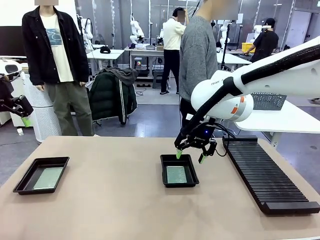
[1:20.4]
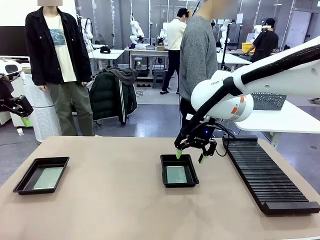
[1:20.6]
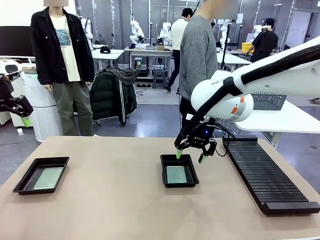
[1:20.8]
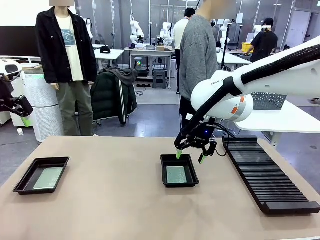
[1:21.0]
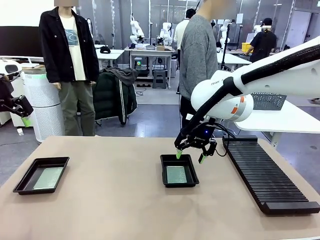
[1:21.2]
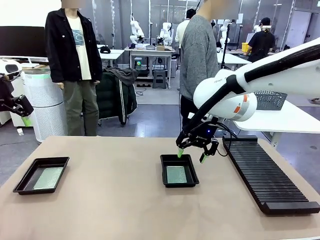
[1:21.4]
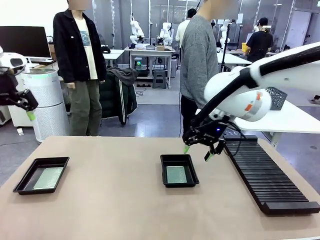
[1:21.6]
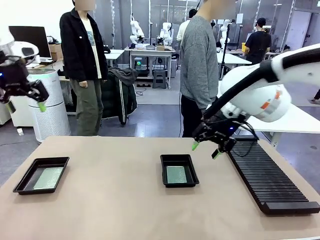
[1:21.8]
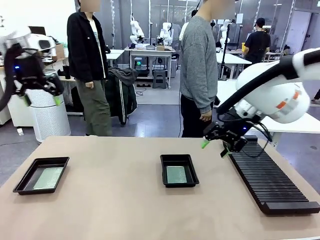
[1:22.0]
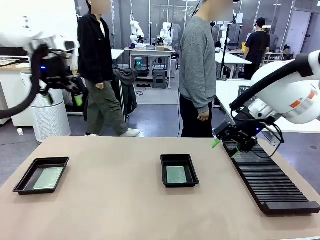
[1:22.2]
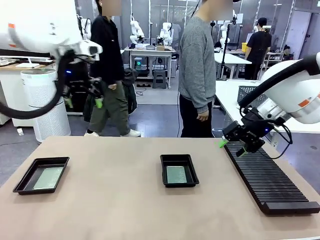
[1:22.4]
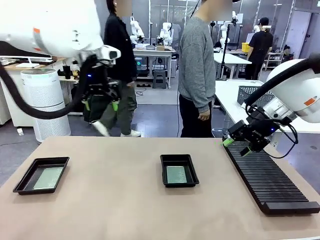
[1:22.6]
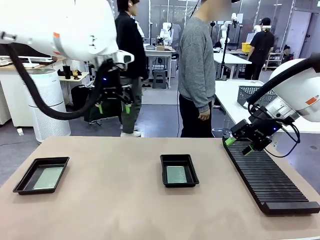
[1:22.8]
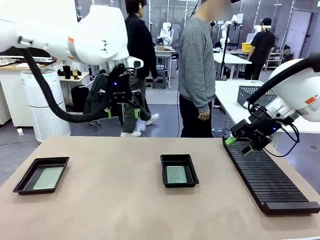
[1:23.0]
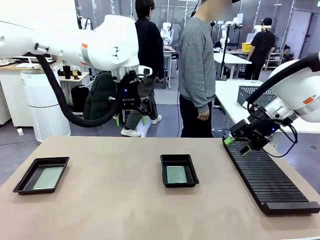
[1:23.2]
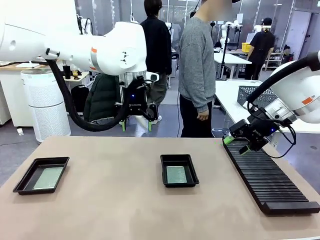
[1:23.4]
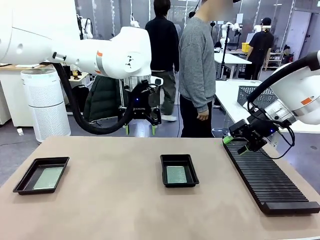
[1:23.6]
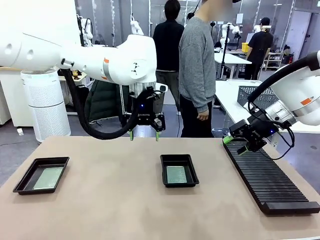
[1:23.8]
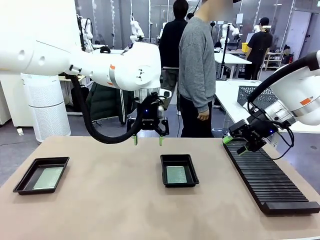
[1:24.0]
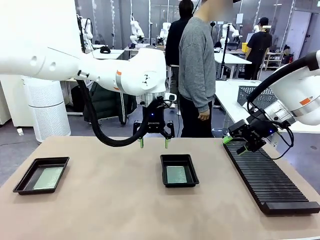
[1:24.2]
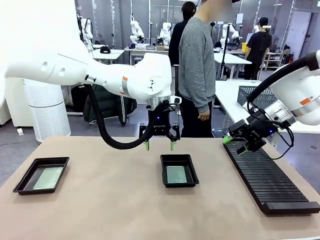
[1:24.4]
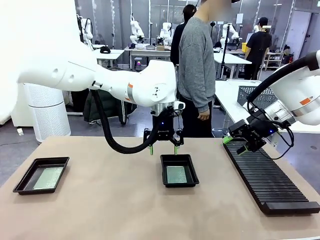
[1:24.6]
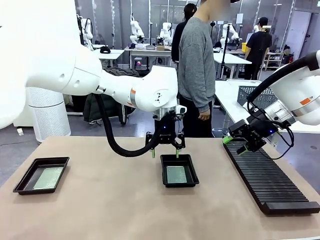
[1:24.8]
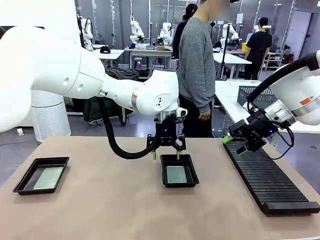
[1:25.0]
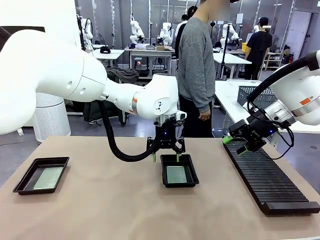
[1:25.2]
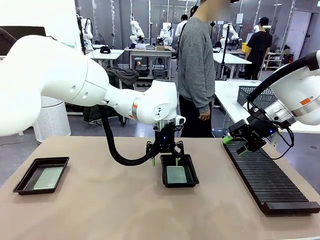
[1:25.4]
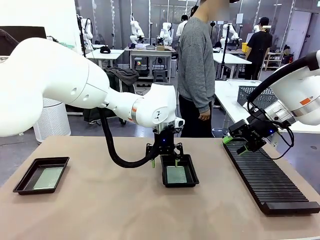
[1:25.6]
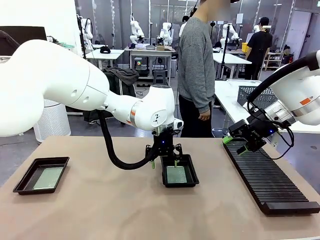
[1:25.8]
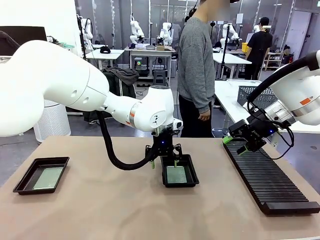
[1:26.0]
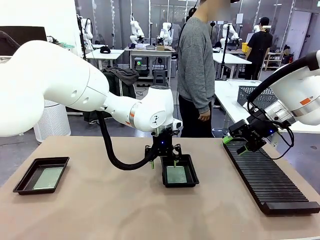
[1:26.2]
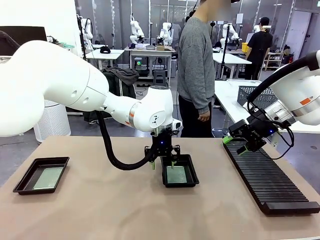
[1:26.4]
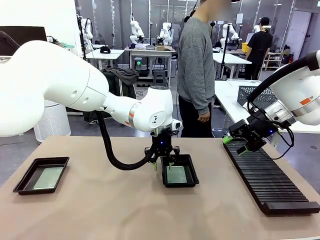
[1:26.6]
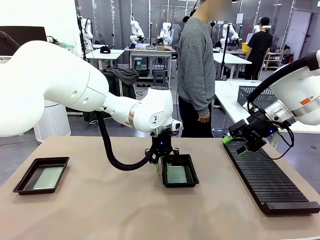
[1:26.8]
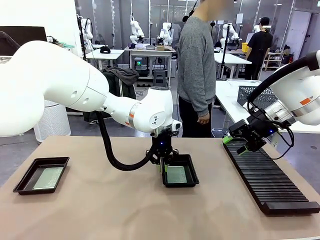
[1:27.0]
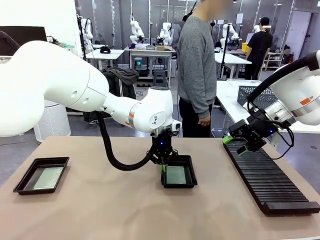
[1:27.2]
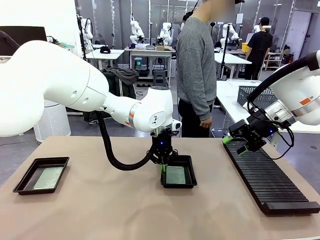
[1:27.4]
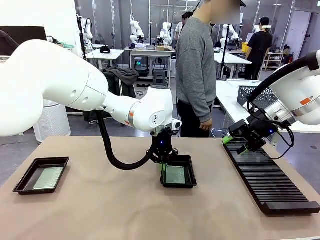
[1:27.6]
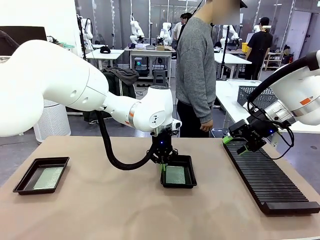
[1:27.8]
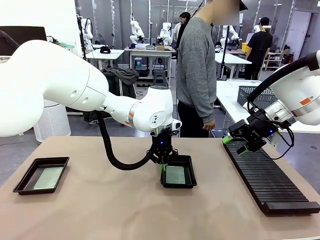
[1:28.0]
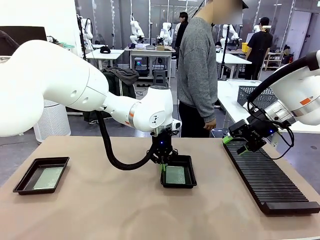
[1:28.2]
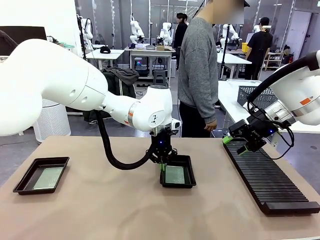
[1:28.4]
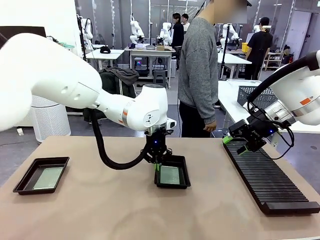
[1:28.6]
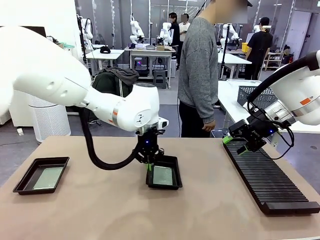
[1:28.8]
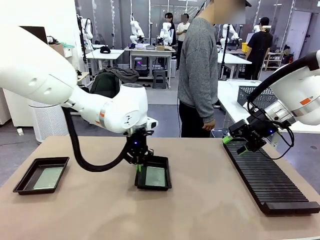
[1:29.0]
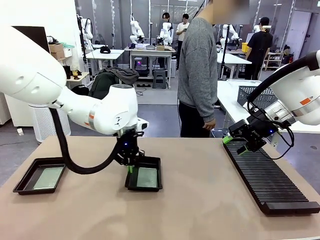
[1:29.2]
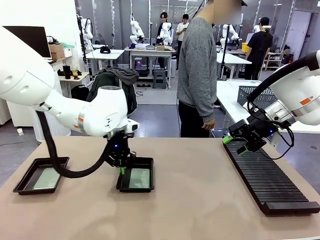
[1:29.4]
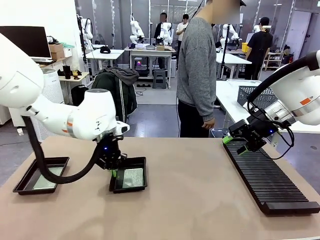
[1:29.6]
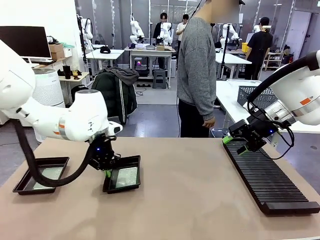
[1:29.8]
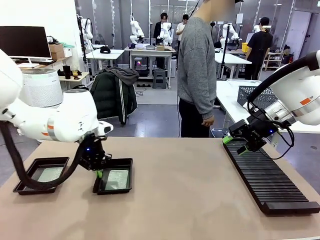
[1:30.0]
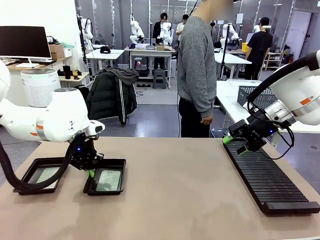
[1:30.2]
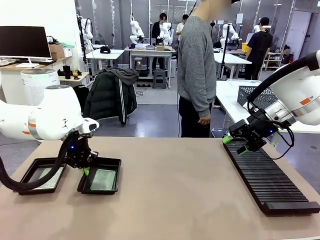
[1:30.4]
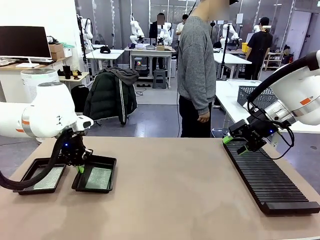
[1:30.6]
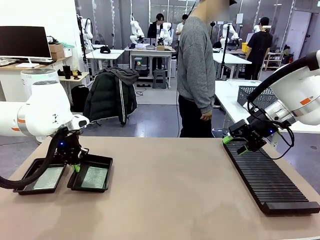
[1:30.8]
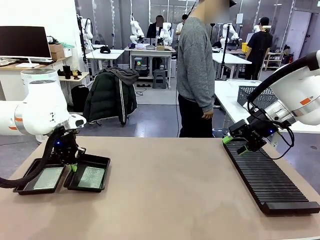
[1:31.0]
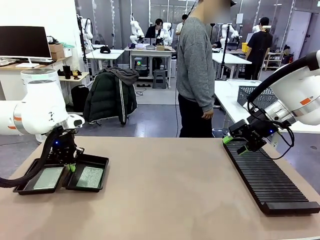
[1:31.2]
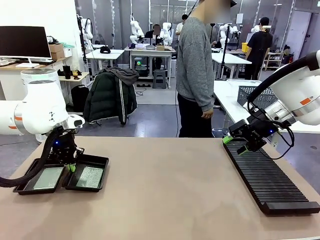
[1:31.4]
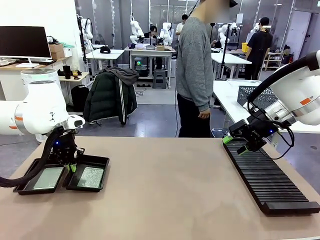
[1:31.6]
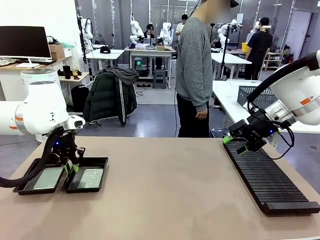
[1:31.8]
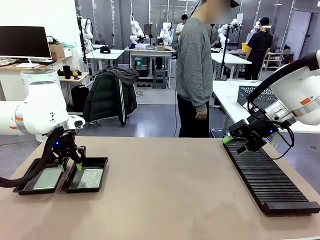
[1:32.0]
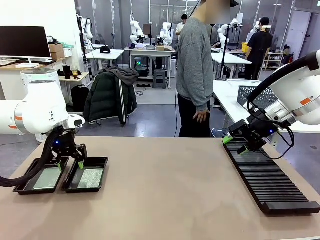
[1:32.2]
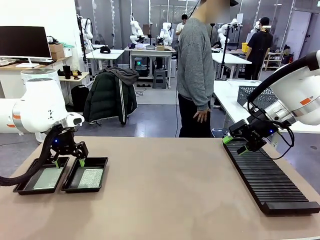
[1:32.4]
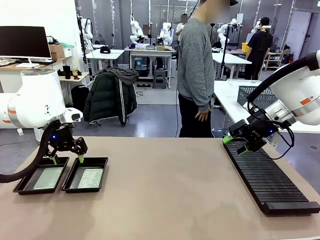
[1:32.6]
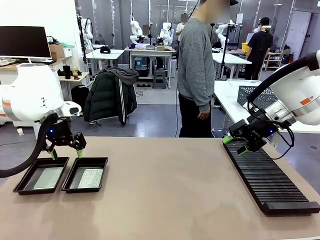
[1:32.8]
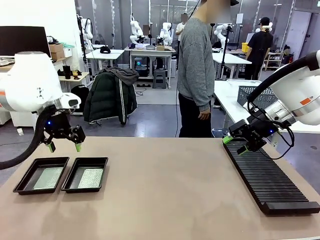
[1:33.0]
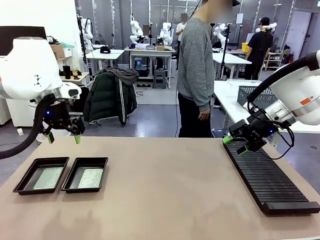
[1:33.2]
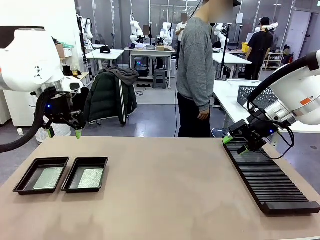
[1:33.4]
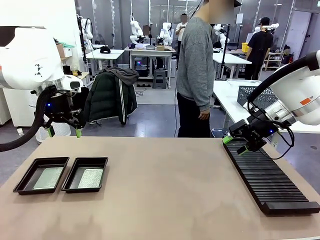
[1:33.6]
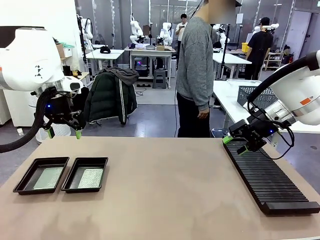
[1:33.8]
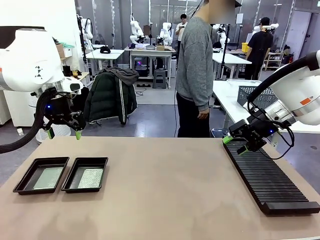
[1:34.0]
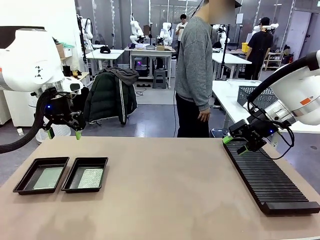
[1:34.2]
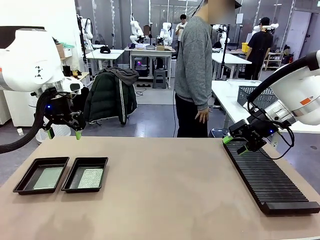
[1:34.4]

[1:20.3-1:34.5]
Task: Inspect and transfer BCBs to ESD trays.
Robot: Pick up the ESD tray and place it on the left side of the table.

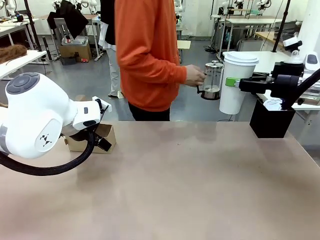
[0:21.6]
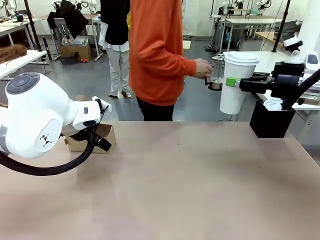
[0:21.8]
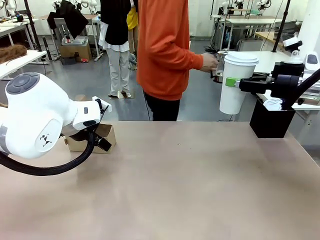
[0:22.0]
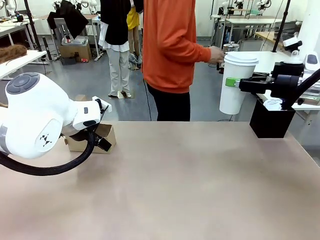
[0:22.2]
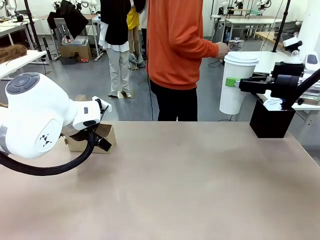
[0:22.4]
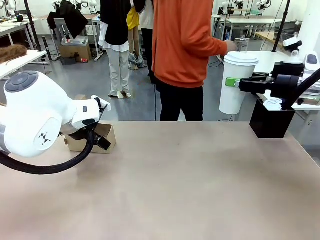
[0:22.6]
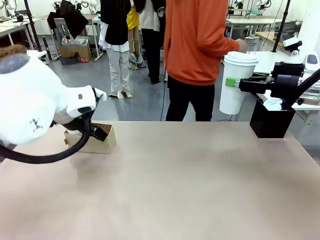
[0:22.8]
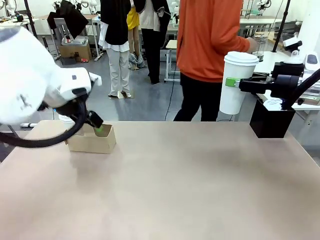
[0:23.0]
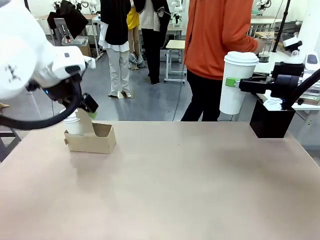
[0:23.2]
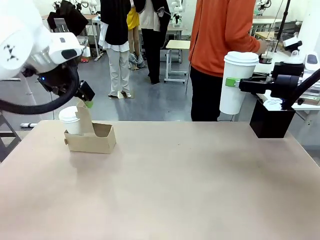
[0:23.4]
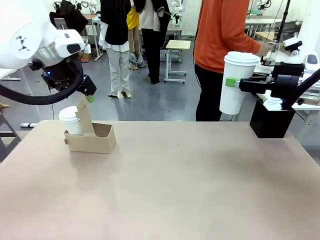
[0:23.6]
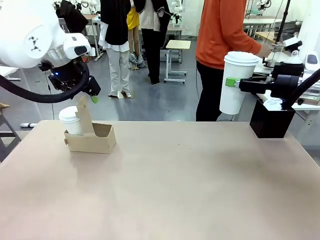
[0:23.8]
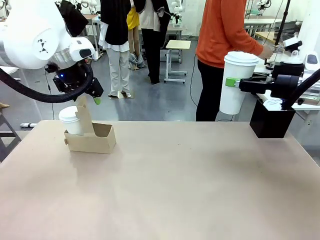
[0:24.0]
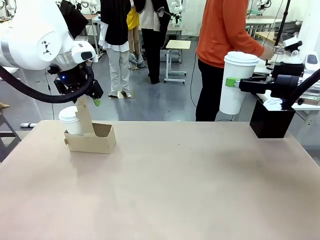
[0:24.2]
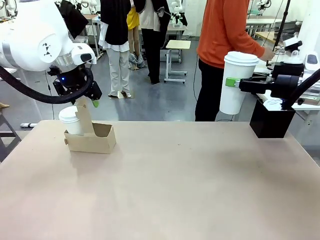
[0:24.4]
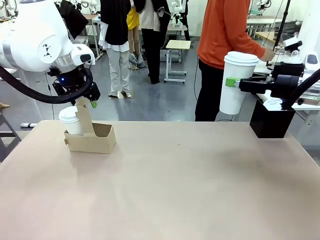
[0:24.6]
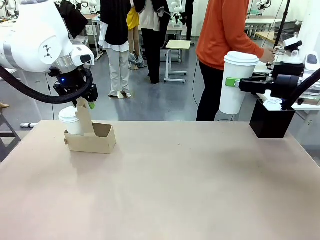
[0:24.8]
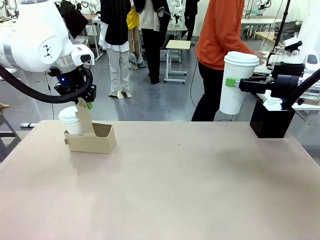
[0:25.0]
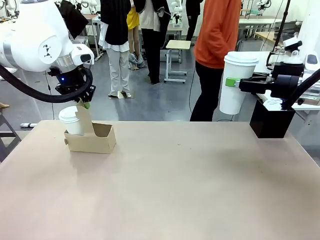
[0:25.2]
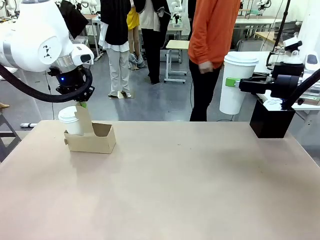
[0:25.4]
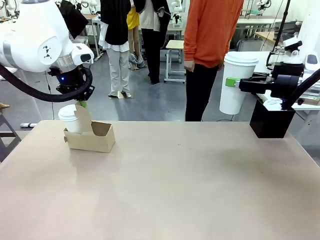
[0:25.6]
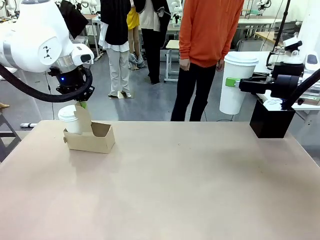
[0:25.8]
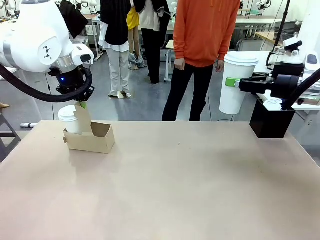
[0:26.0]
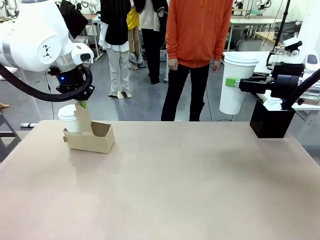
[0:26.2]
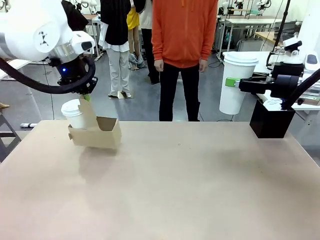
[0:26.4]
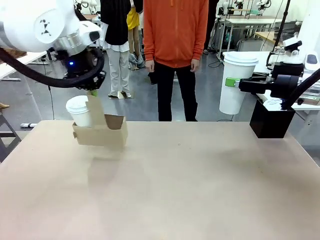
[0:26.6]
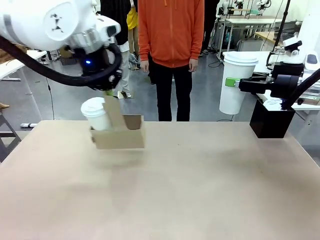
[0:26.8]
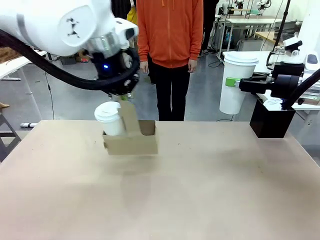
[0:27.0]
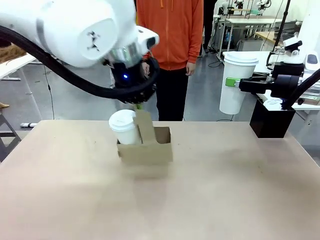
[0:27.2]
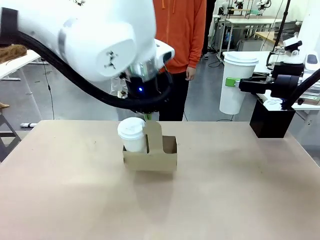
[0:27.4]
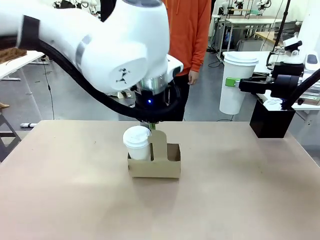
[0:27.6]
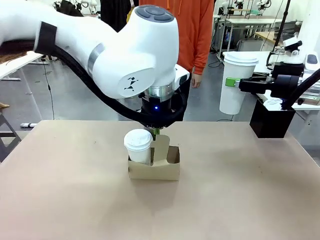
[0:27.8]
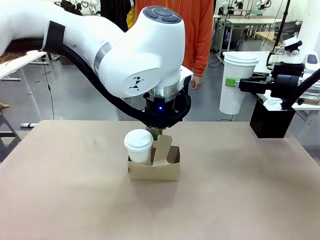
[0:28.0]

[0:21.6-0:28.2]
Task: Pour a drink into a cup and package it in a carrier.
Robot: Position the Cup Carrier in the center of the table.
Person: Pick up the Filter Brewing and place on the middle of Human table, and return to the Robot table.
